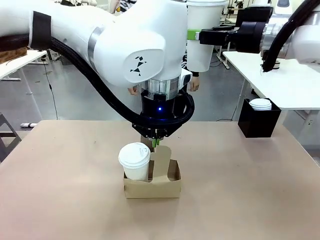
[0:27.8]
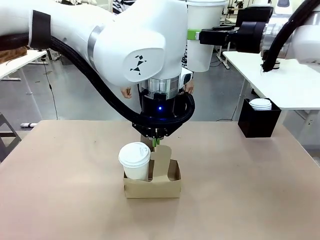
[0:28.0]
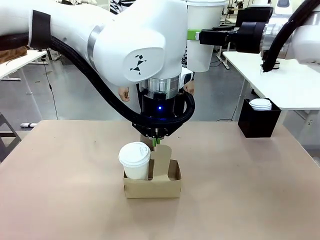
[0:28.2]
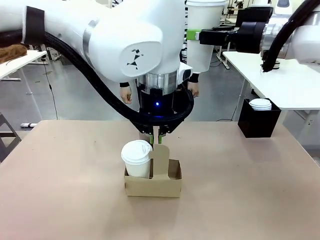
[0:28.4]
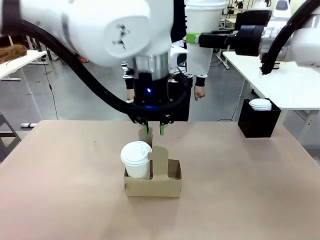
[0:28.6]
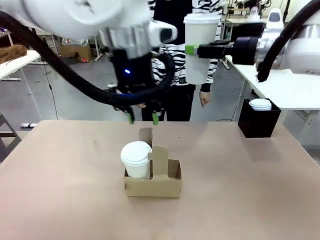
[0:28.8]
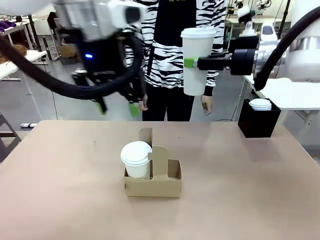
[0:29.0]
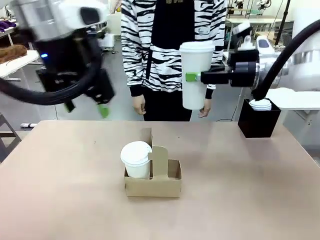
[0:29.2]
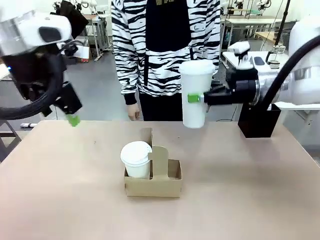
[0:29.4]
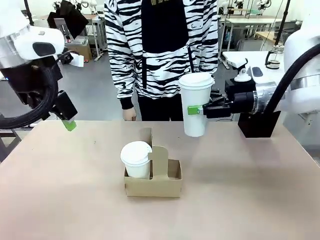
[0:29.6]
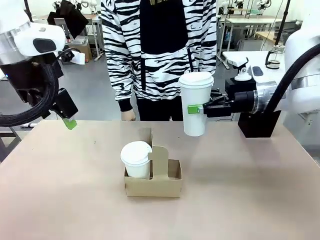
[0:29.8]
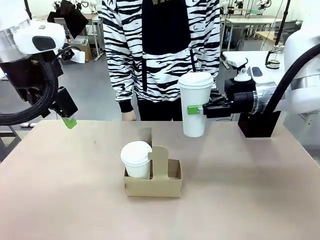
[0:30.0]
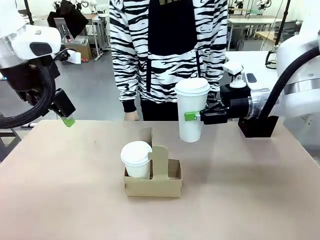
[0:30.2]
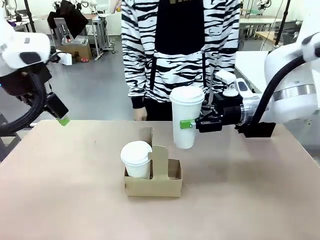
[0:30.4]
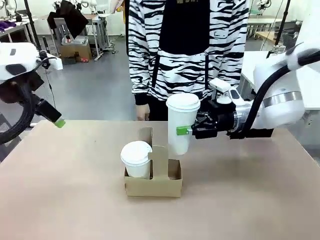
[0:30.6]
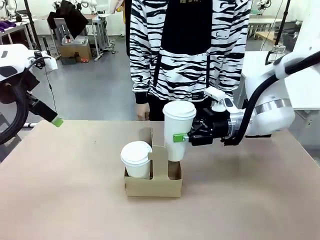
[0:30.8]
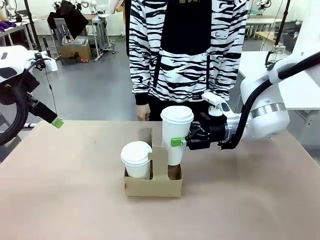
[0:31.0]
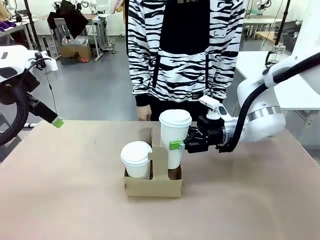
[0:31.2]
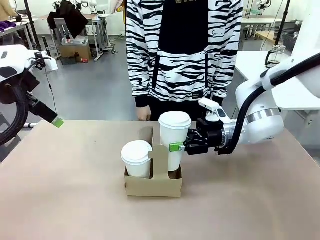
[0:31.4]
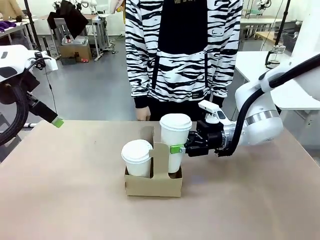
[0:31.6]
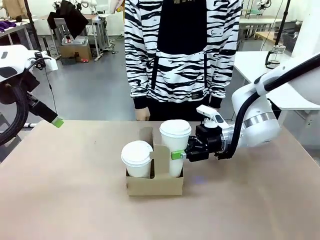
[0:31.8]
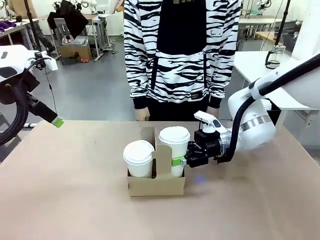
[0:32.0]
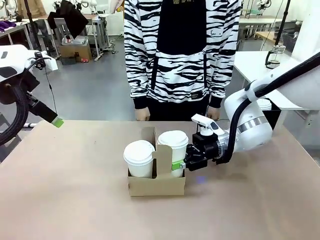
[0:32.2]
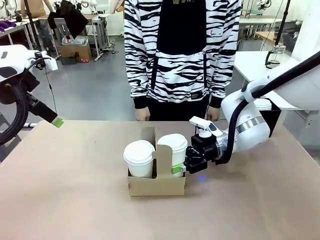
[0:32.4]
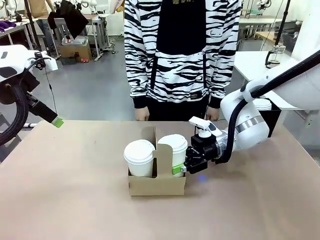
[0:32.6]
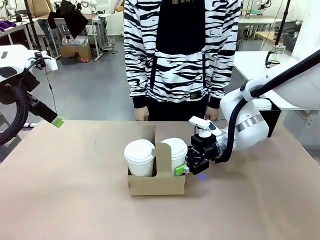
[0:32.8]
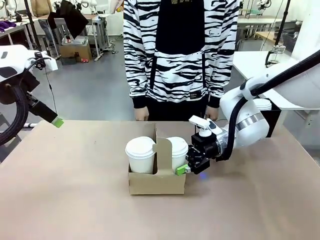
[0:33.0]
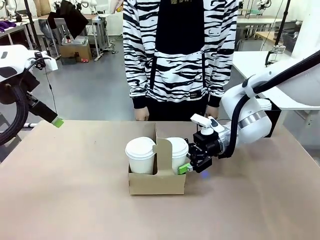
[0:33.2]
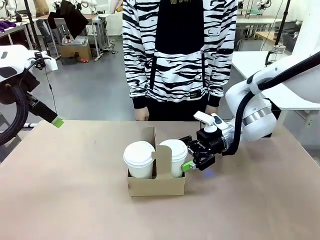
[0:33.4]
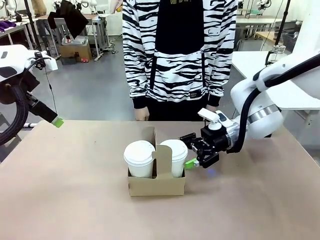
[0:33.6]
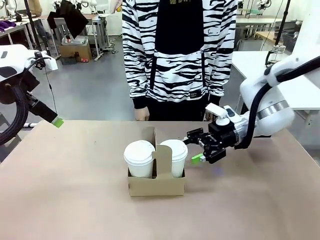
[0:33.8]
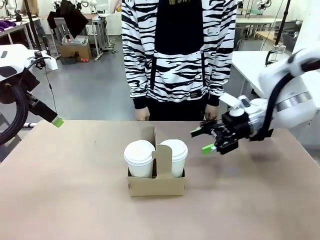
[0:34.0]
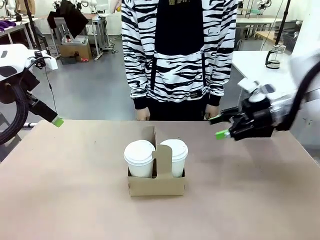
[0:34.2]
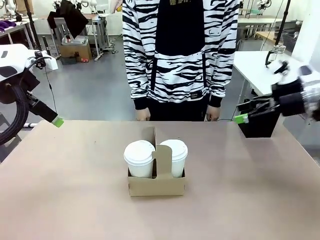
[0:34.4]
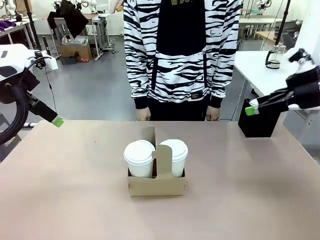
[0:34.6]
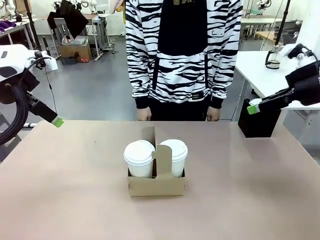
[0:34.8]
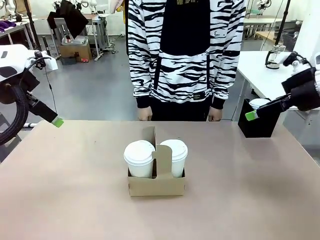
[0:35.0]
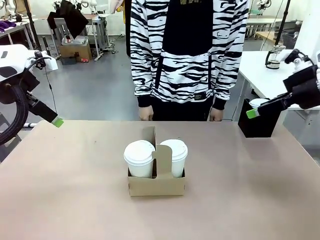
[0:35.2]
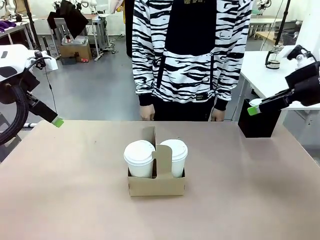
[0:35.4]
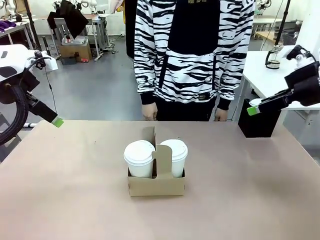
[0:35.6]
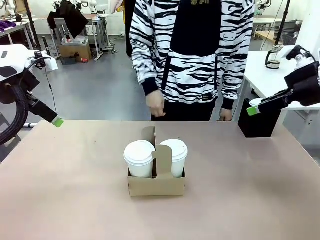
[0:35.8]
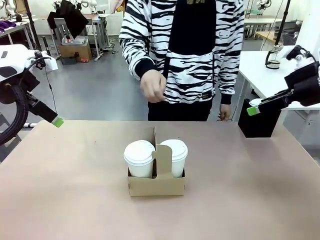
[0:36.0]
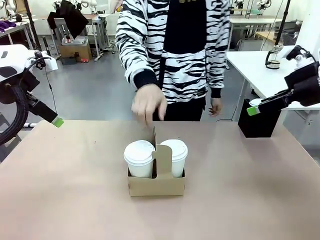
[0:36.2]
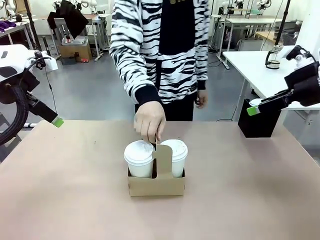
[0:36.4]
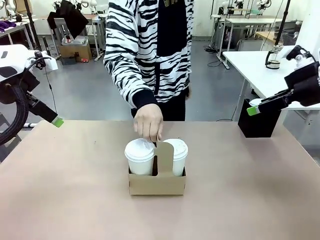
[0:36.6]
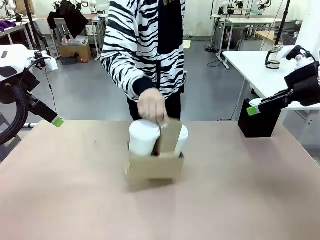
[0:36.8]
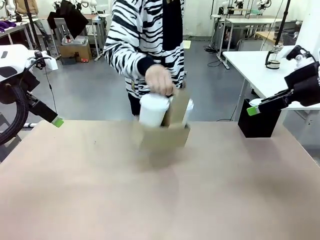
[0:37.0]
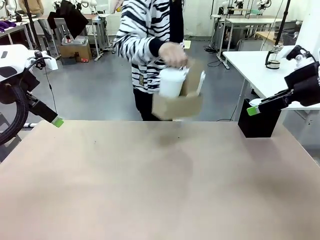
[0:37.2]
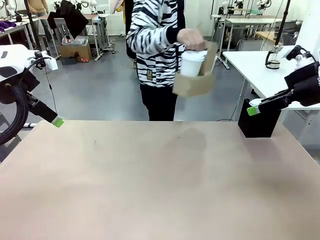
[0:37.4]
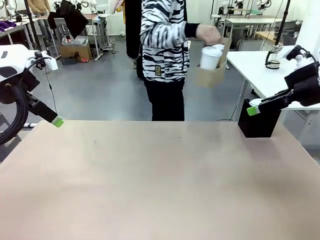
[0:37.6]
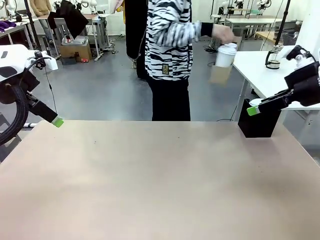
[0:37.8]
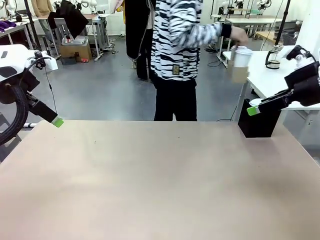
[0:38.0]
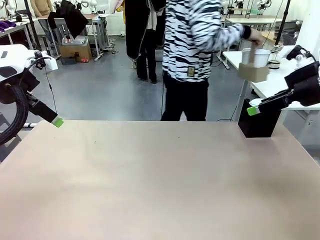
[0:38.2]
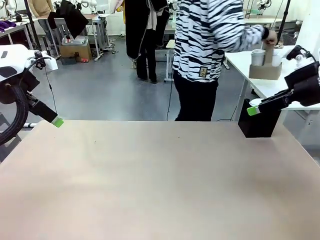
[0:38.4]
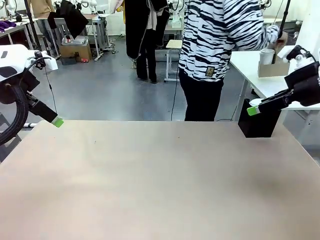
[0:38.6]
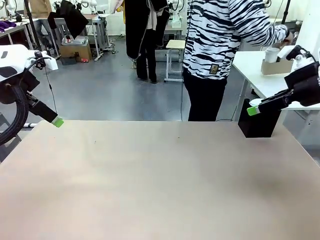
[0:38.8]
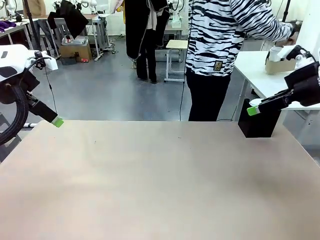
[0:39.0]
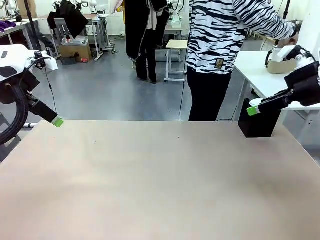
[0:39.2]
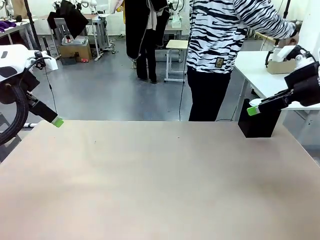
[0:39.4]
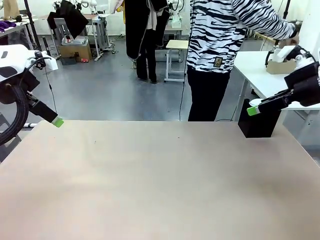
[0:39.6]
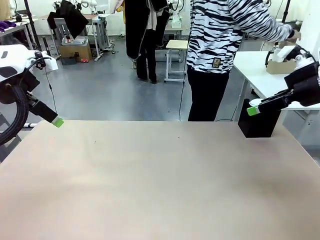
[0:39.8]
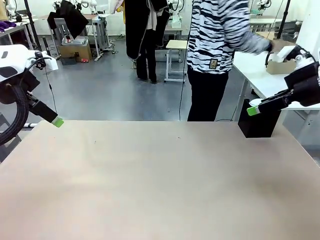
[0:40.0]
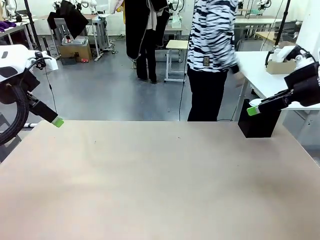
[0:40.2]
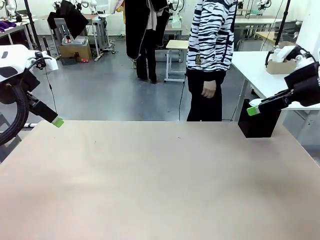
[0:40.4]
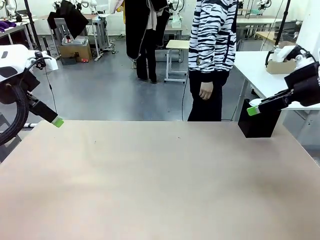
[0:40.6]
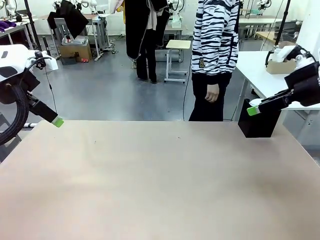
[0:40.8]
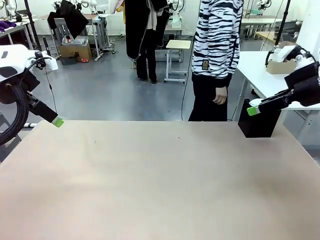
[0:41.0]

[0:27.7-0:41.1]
Task: Pour a drink into a cup and package it in a carrier.
Robot: Insert the held 600 ml Paper Cup into the Cup Carrier.
Person: Place the Cup Carrier to the middle of Human table.
